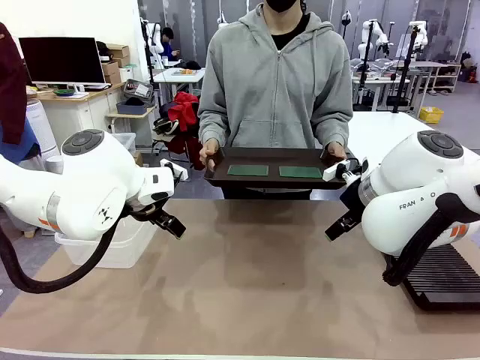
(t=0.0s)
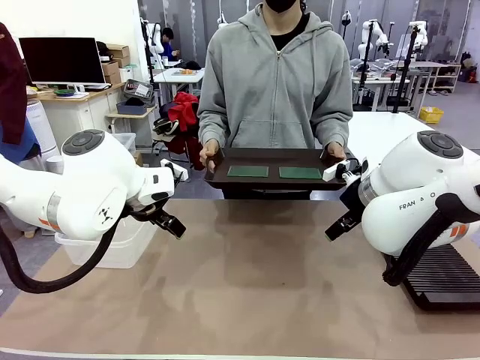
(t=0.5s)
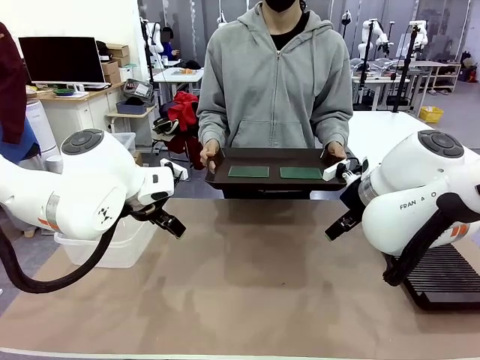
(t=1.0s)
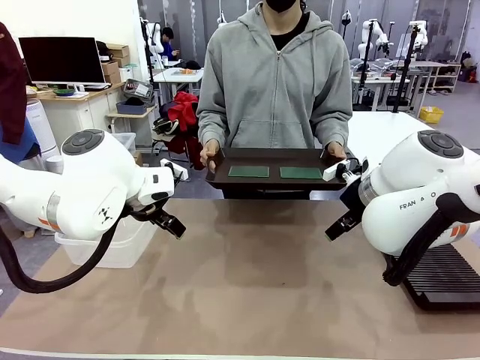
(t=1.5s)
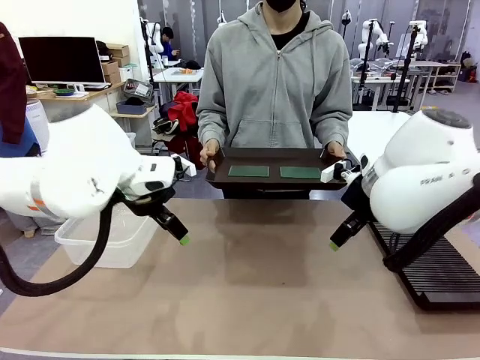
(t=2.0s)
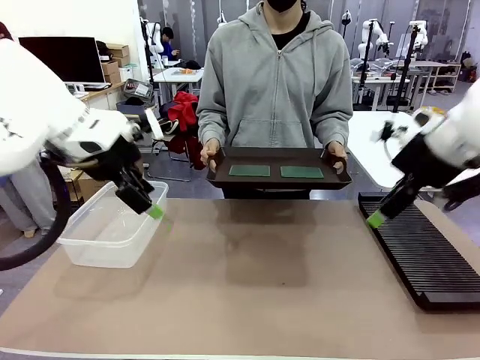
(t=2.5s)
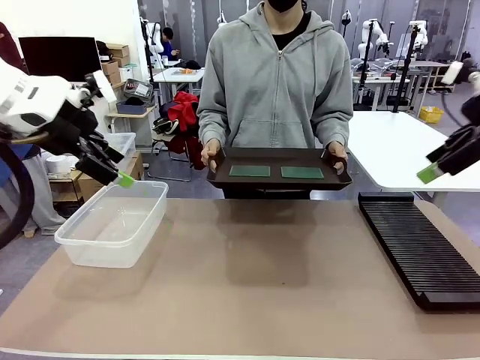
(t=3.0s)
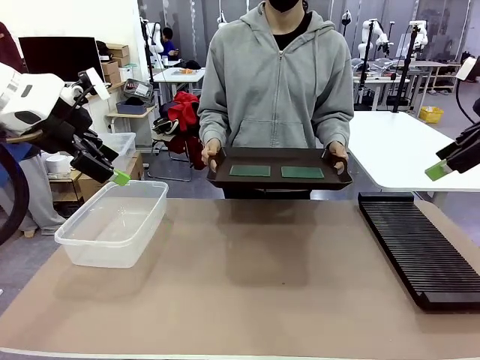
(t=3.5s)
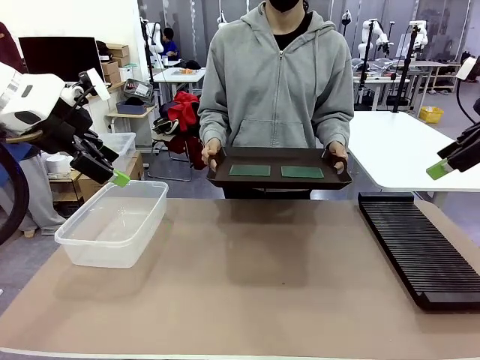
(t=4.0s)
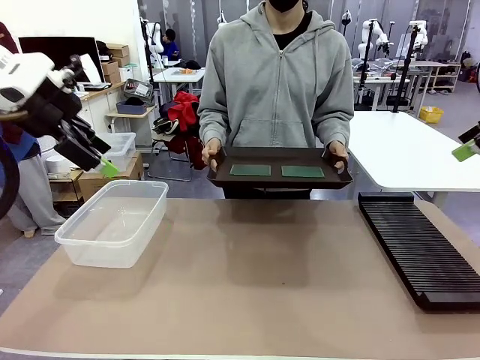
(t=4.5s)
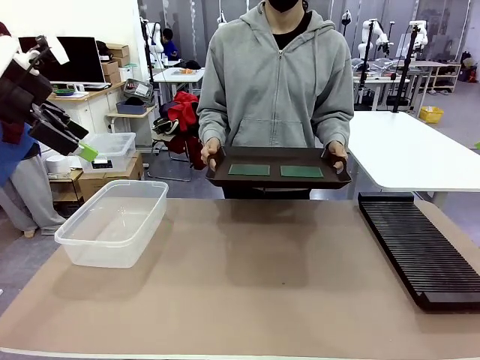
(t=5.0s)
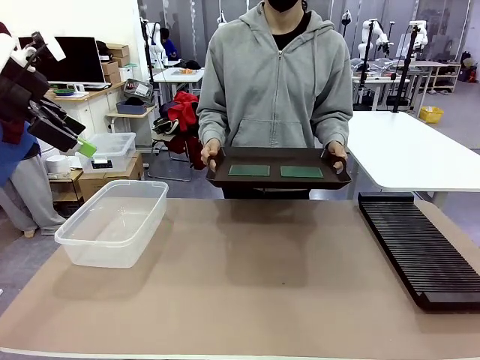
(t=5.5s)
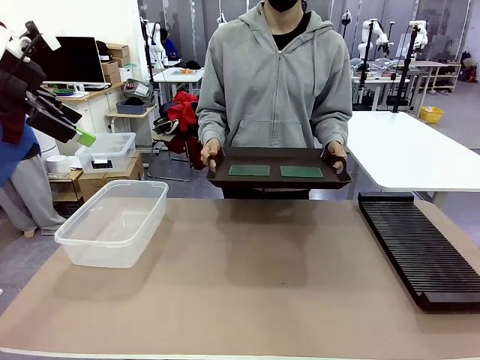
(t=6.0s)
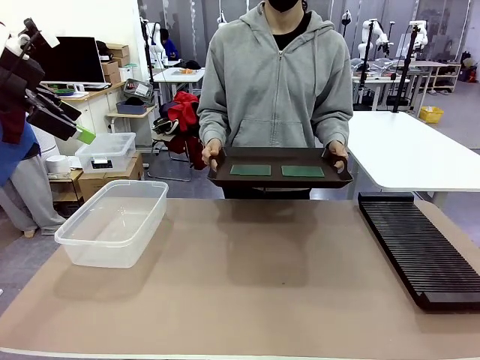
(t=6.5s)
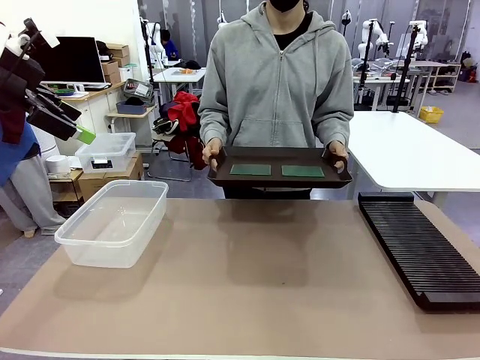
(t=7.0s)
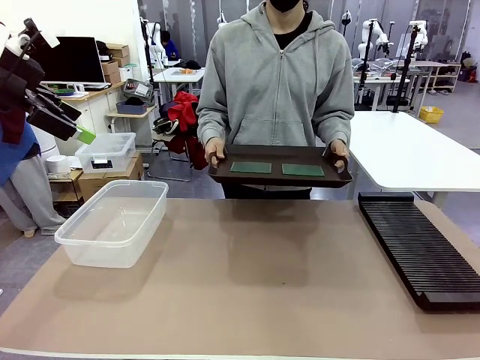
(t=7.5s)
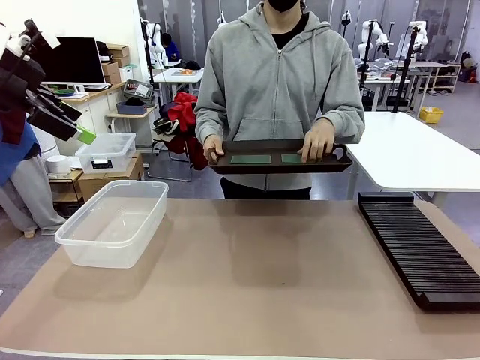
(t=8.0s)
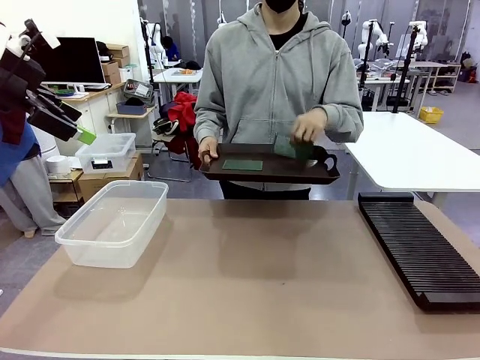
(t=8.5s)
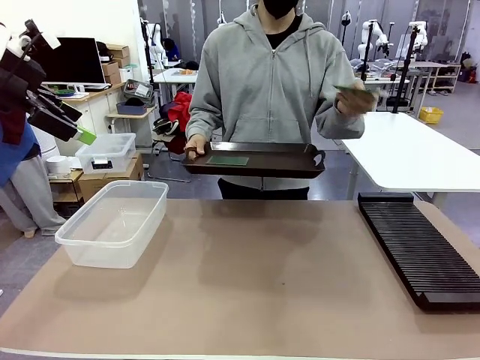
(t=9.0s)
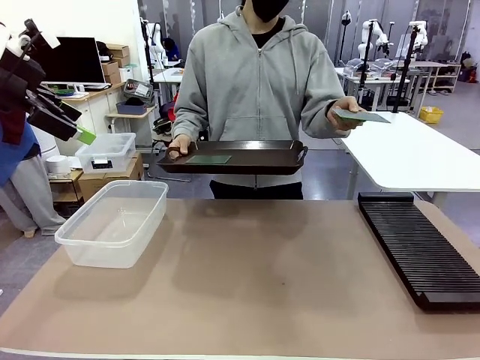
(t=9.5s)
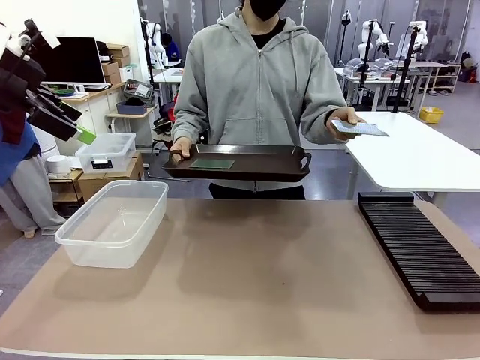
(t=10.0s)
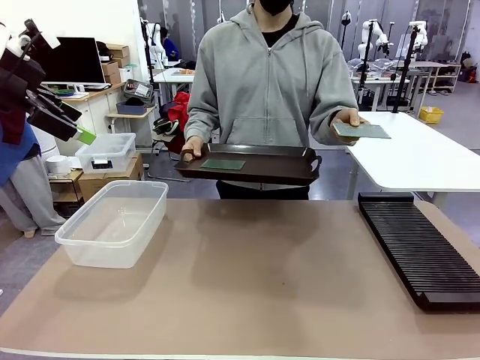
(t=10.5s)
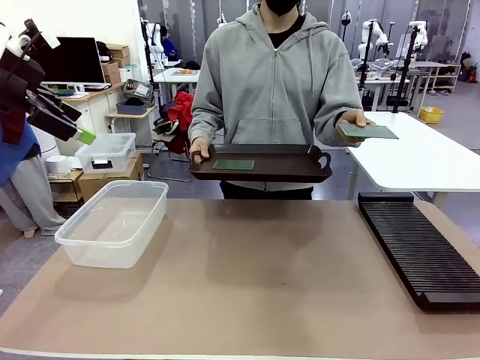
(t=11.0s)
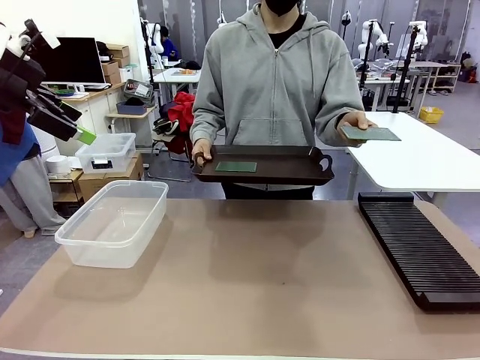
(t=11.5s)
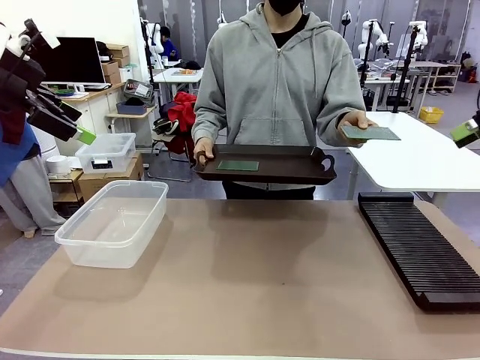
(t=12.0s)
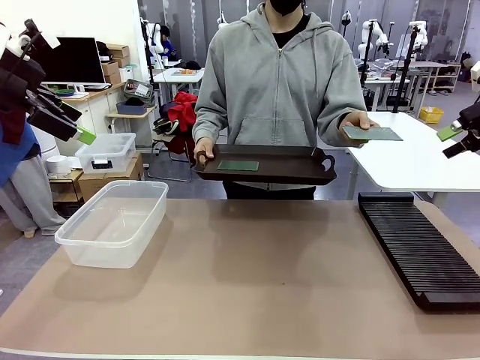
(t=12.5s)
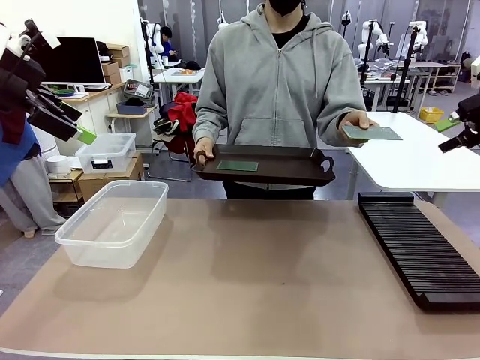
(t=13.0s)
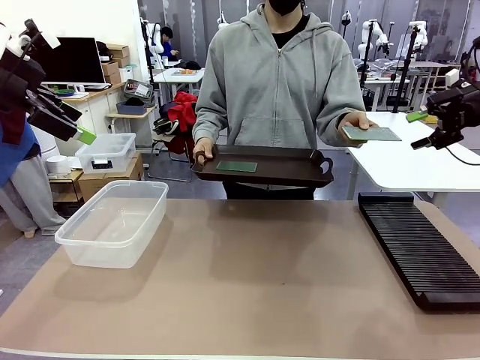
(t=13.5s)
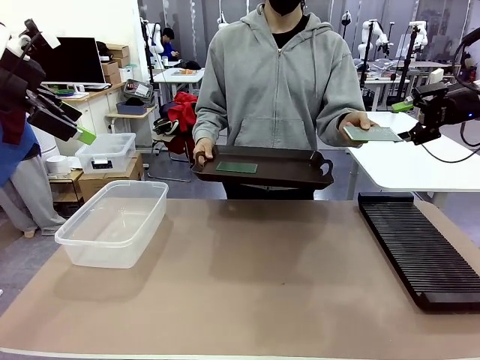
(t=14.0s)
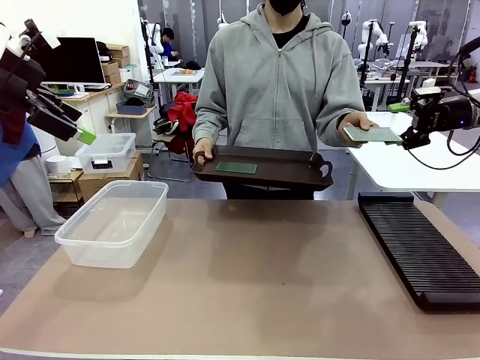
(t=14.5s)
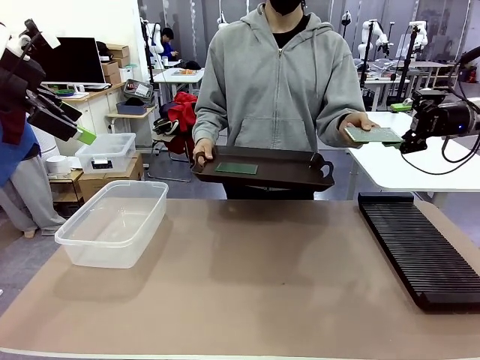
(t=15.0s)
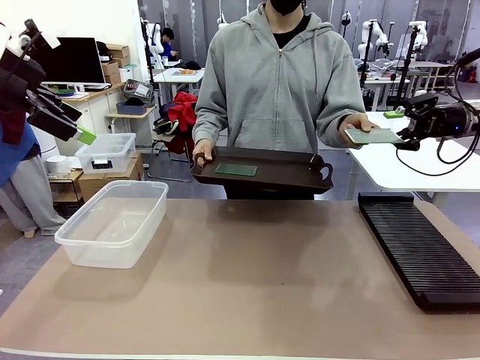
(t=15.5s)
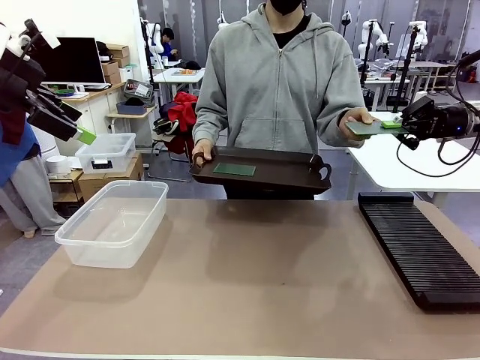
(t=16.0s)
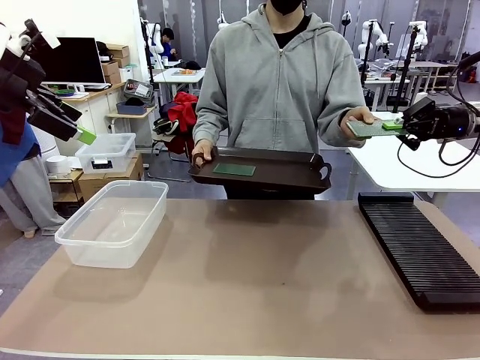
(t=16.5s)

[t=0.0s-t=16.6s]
Task: Sort PCBs into racks and boxes based on the side picked up.
Robot: Pick up the Blank PCB handed by the Human.
Person: Pick one PCB from the tray and present it to the robot. Release the PCB being held.

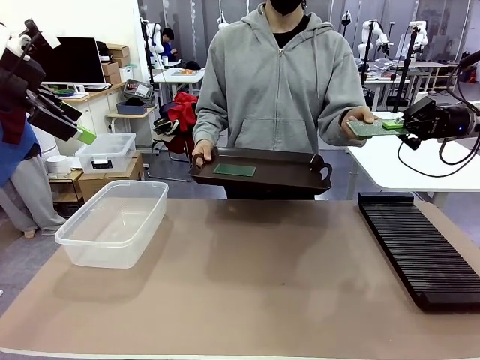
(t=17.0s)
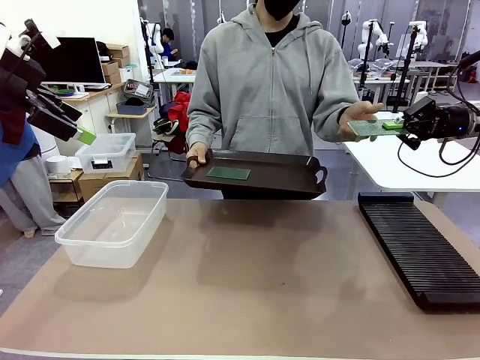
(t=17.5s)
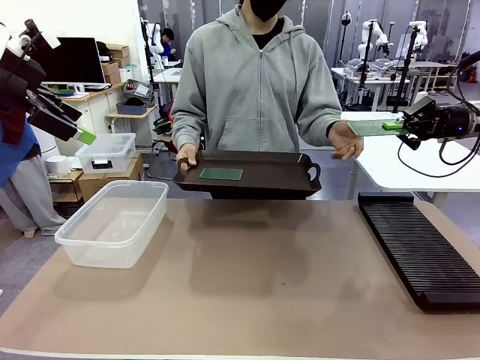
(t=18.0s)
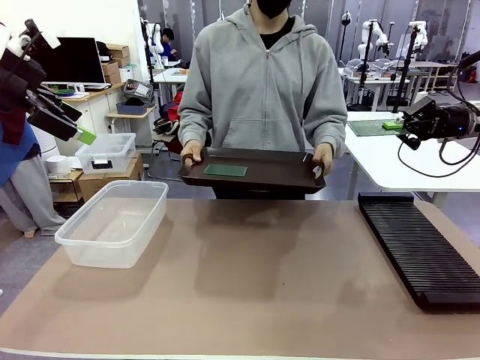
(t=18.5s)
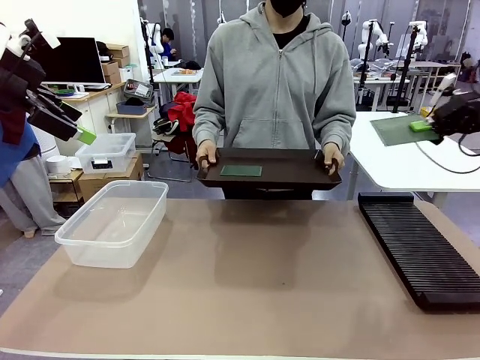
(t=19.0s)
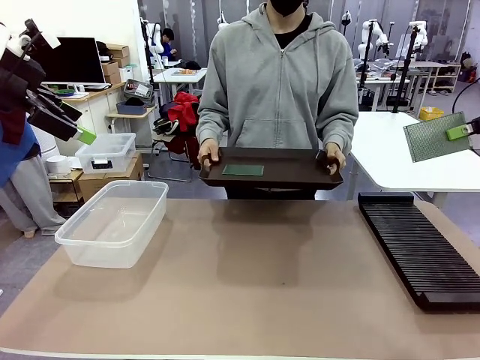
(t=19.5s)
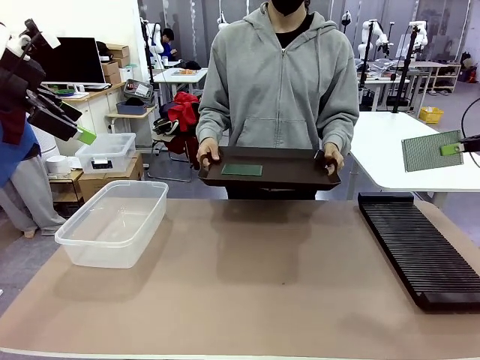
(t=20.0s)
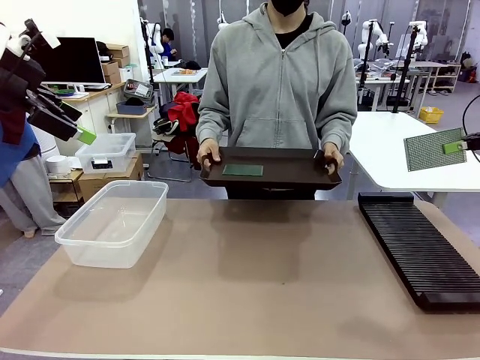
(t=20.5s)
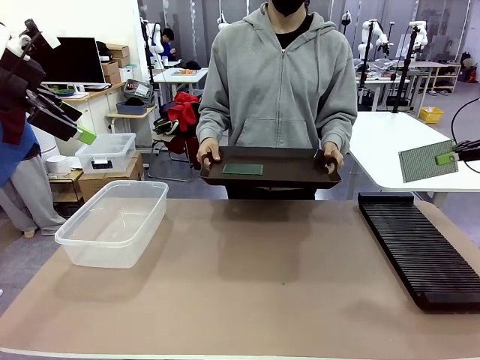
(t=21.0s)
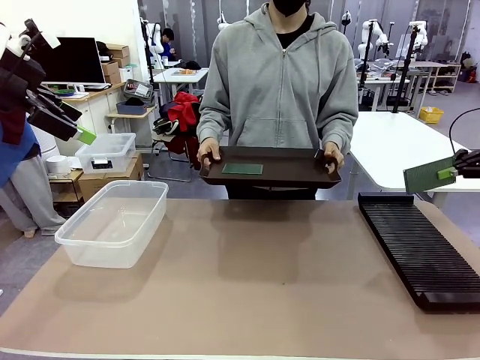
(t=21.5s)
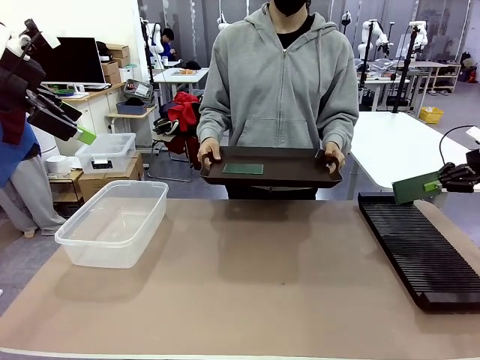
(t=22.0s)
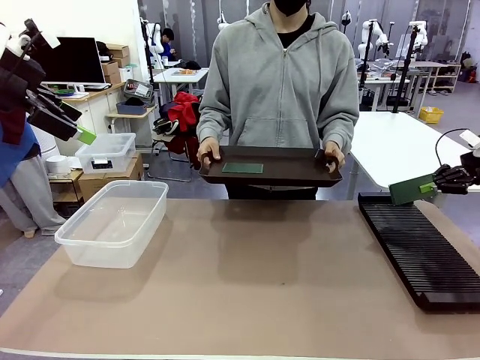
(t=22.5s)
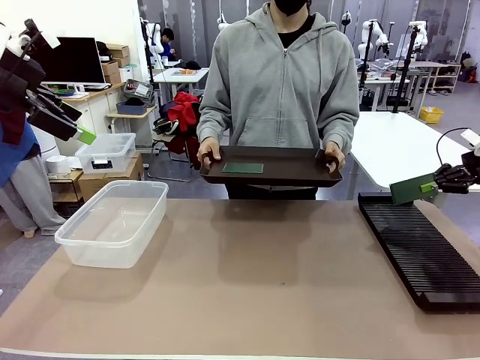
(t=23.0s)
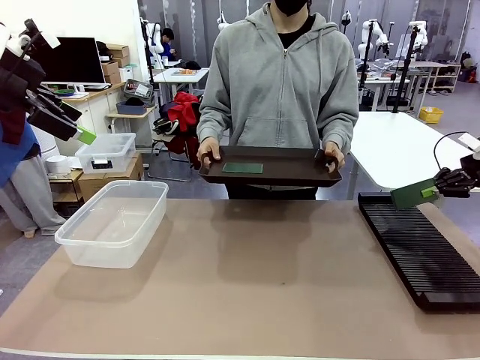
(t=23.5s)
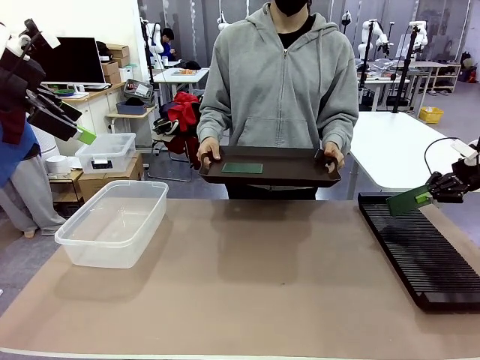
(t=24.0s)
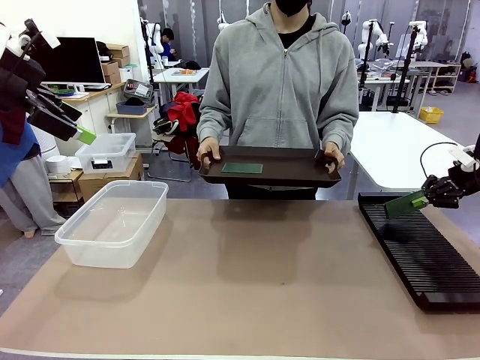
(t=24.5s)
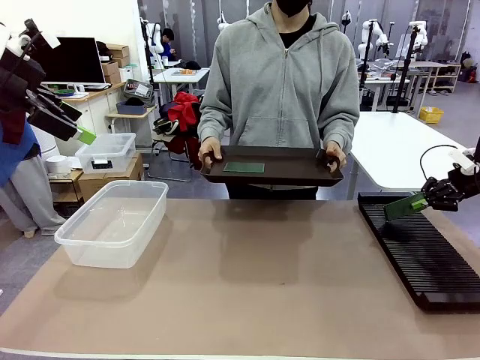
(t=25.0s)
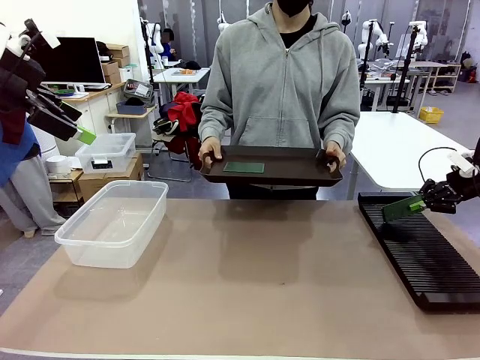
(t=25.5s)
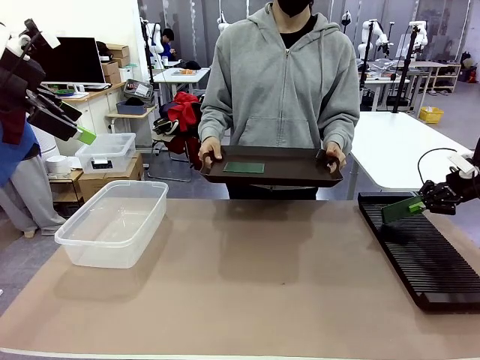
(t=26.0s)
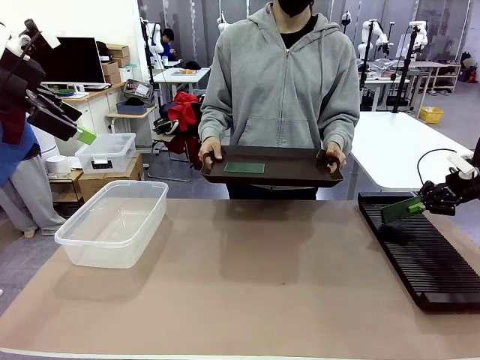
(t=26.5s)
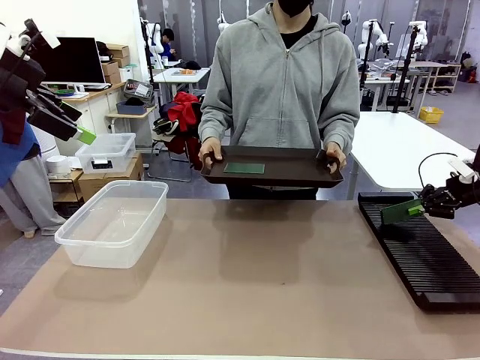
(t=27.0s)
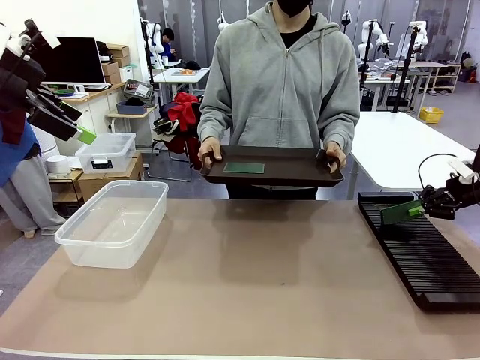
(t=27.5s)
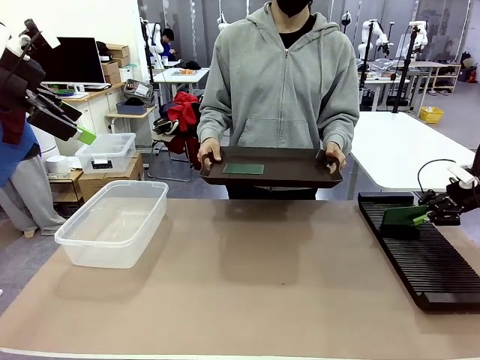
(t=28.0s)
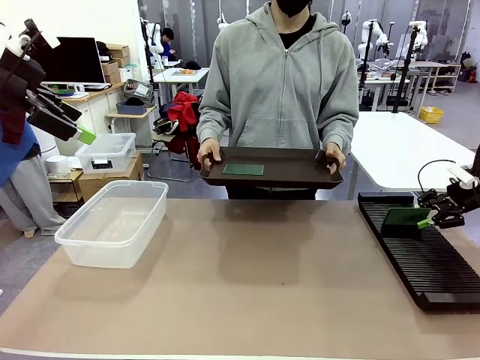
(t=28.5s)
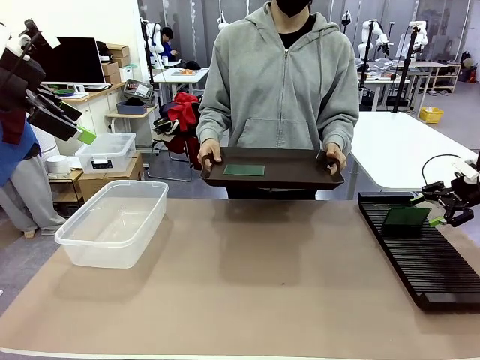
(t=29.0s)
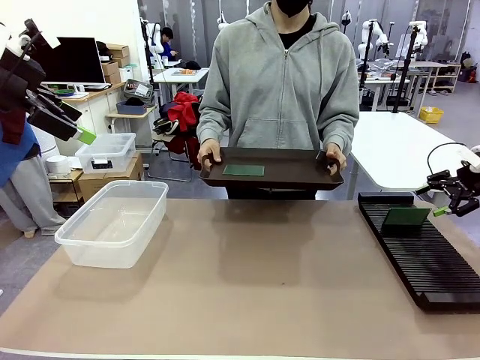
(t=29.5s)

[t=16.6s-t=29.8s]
Robot: If the short side of the Blank PCB is picked up, insert it into the PCB Rack ; if the long side is picked up, place it in the Organizing box.
Person: Pick one PCB from the tray and present it to the robot.
